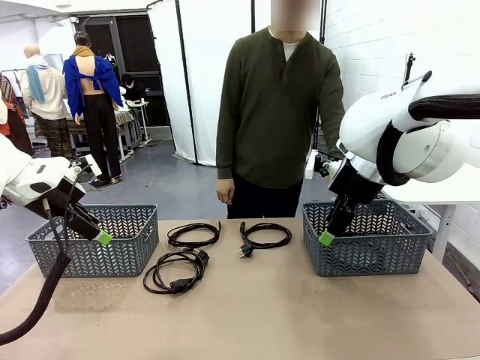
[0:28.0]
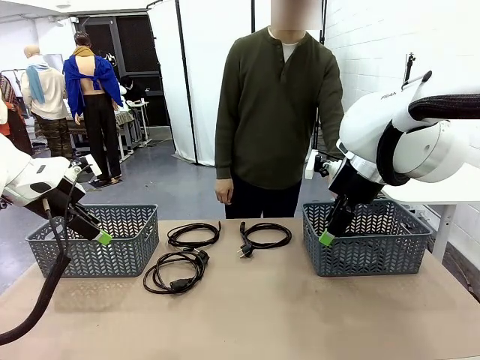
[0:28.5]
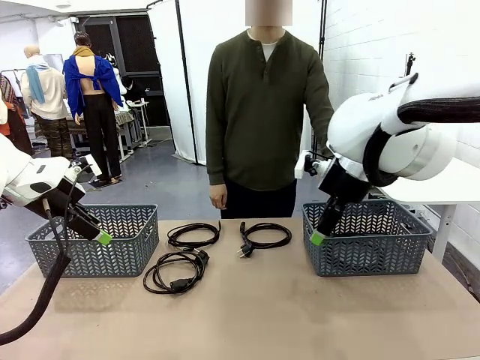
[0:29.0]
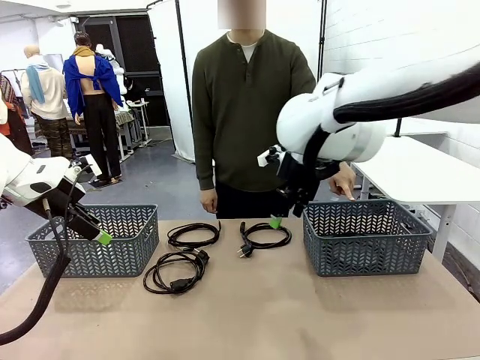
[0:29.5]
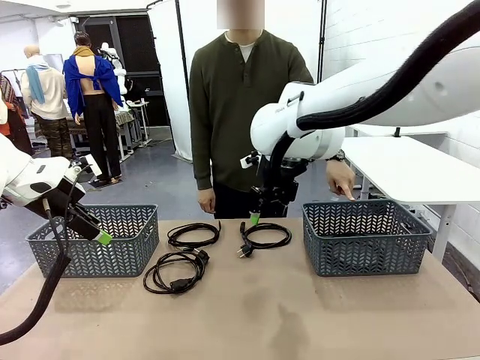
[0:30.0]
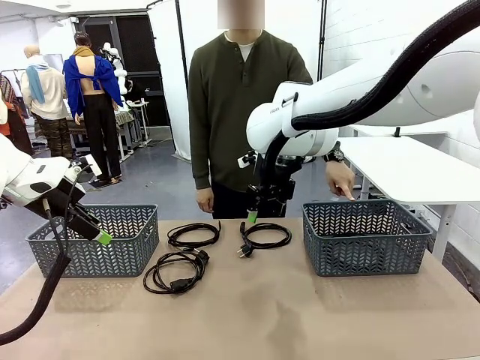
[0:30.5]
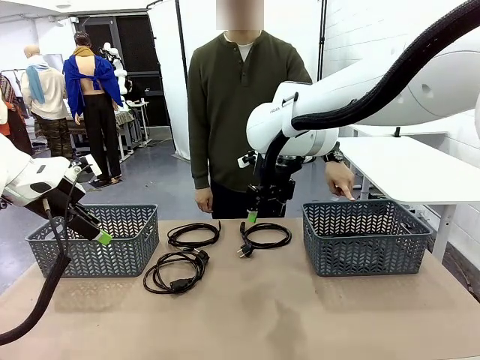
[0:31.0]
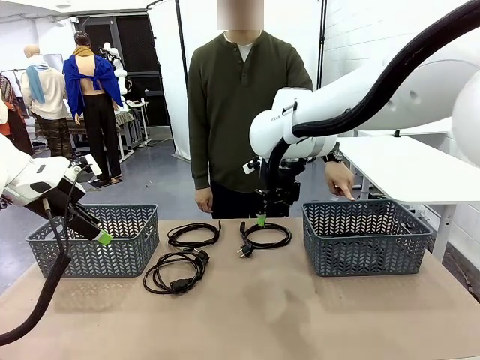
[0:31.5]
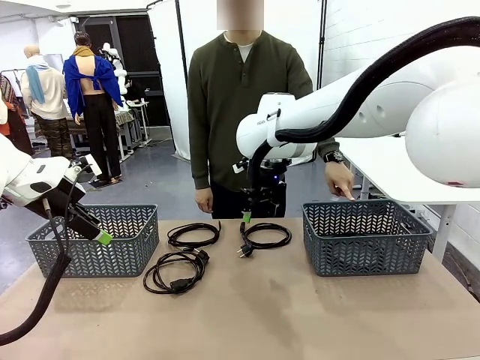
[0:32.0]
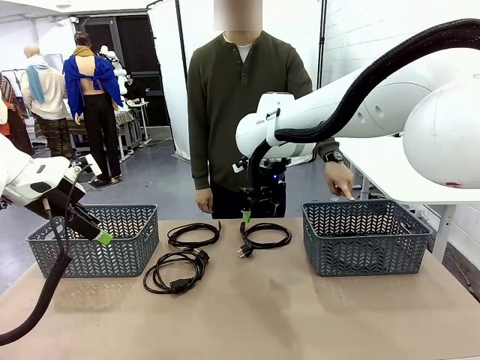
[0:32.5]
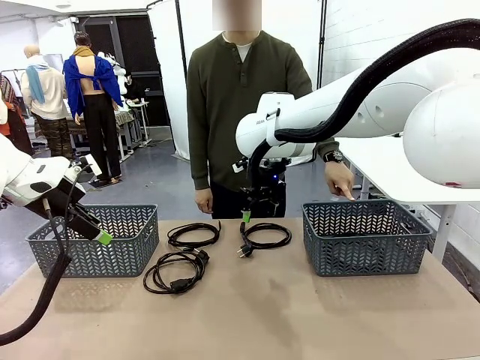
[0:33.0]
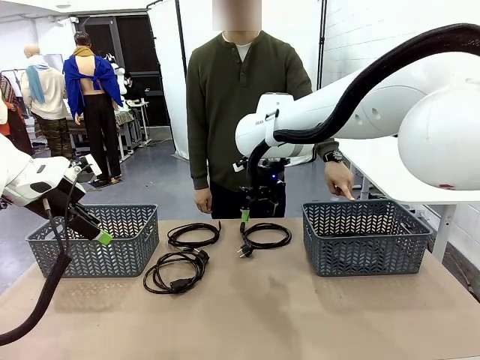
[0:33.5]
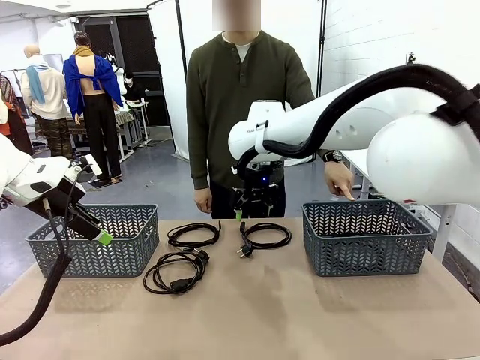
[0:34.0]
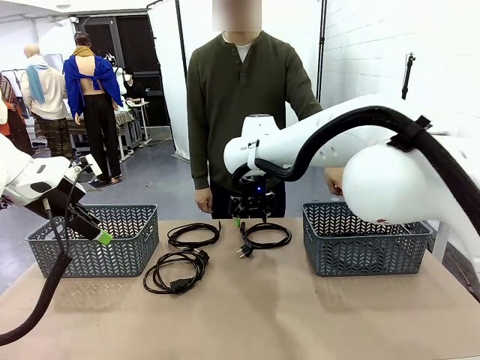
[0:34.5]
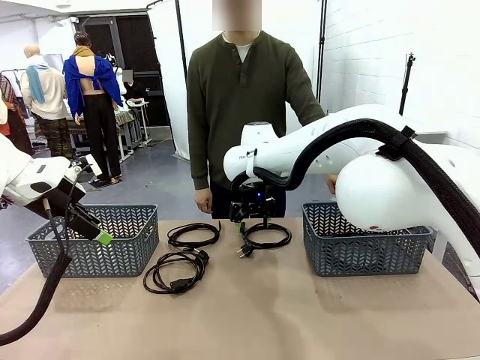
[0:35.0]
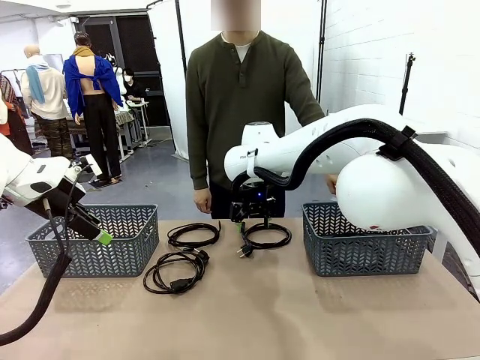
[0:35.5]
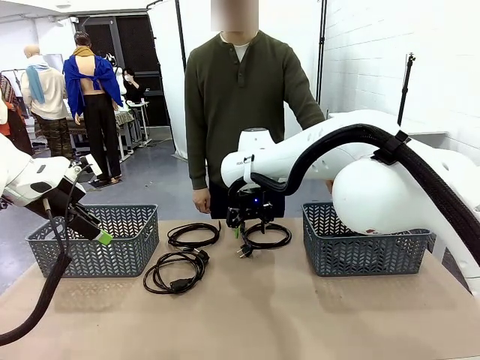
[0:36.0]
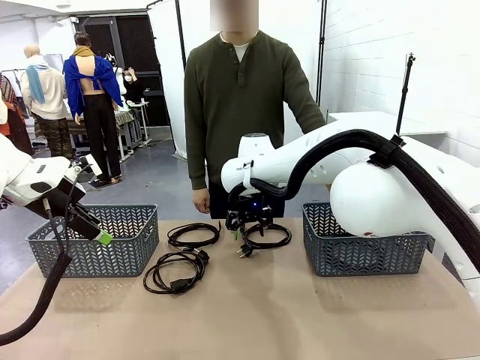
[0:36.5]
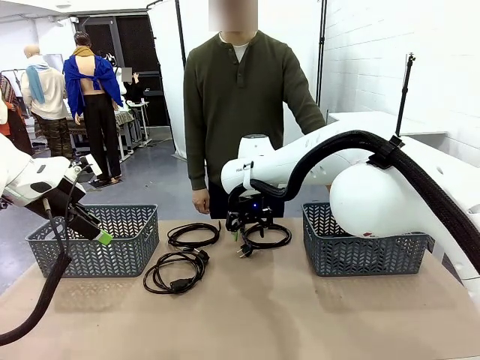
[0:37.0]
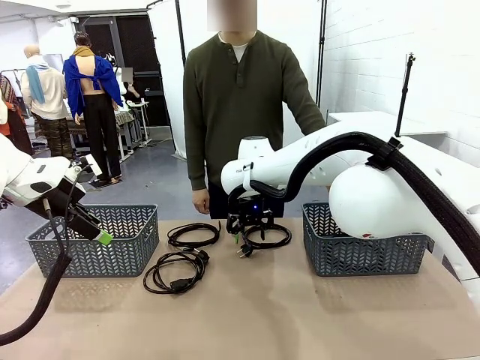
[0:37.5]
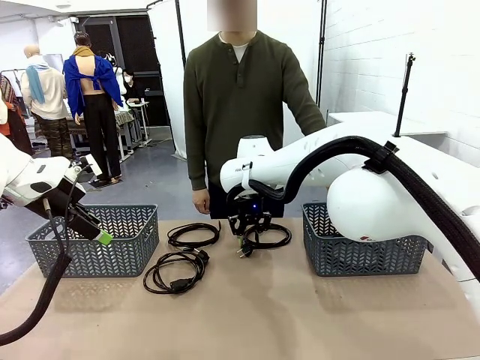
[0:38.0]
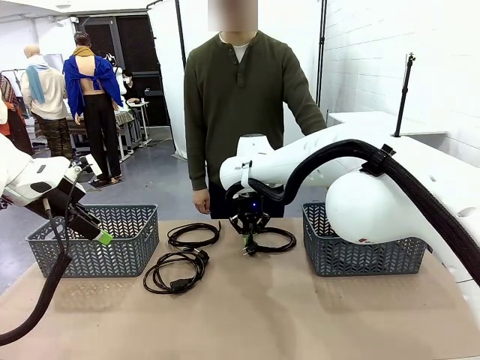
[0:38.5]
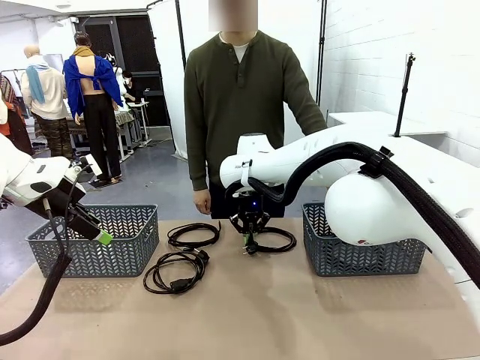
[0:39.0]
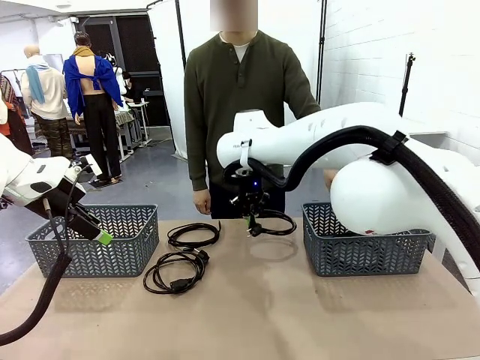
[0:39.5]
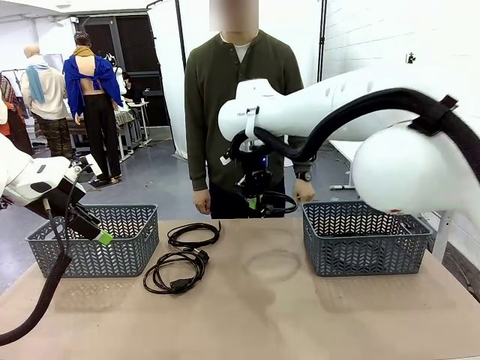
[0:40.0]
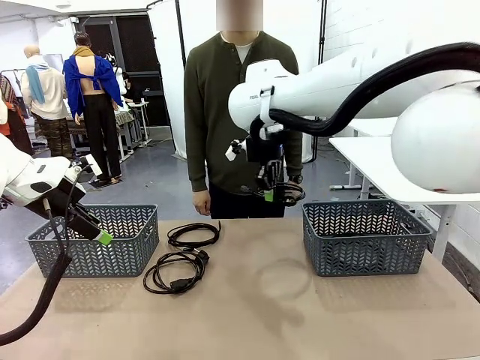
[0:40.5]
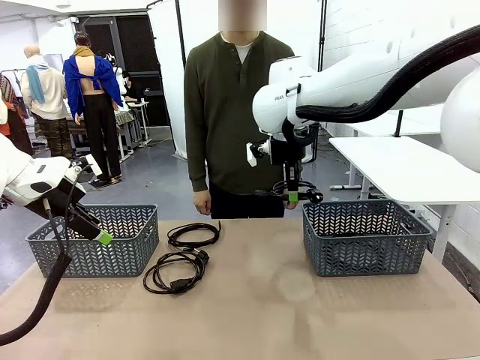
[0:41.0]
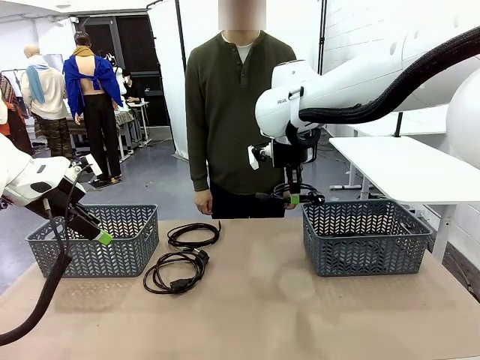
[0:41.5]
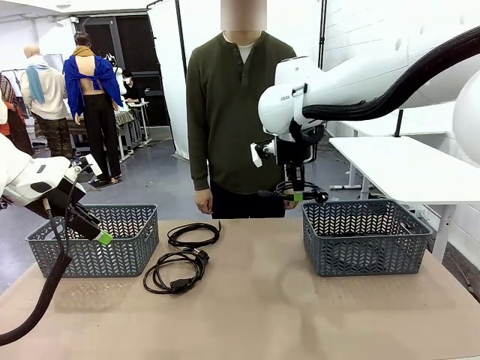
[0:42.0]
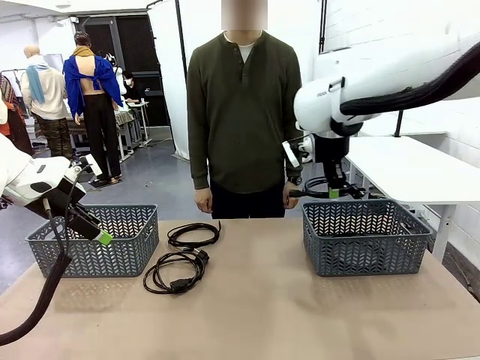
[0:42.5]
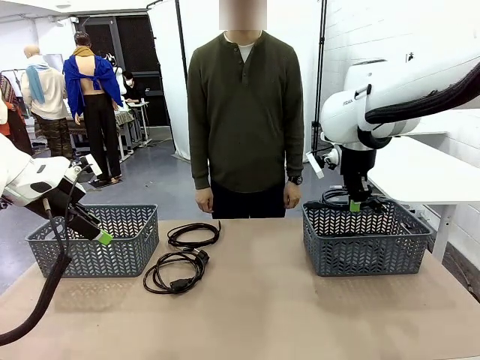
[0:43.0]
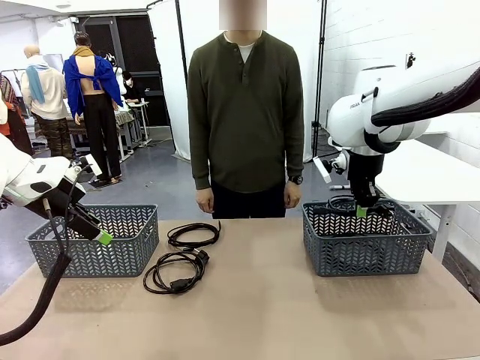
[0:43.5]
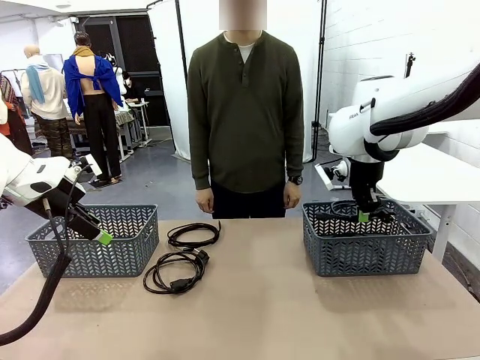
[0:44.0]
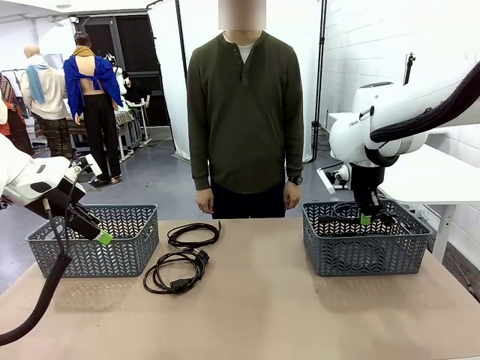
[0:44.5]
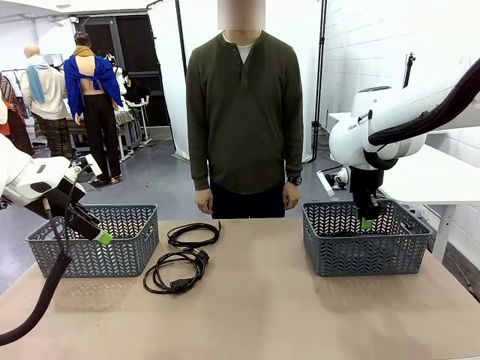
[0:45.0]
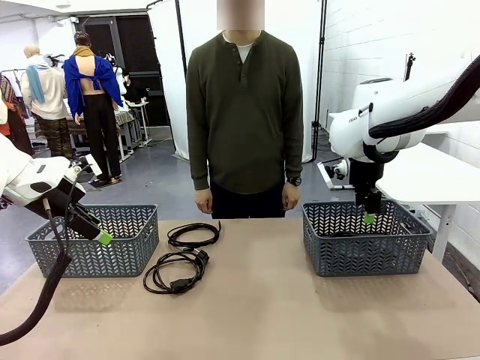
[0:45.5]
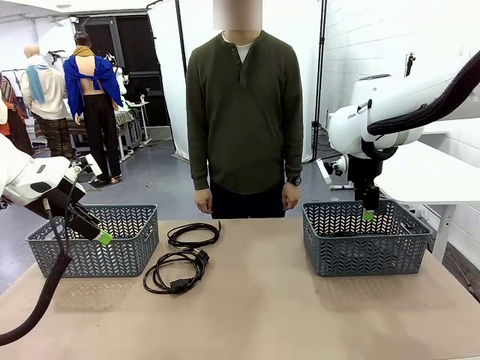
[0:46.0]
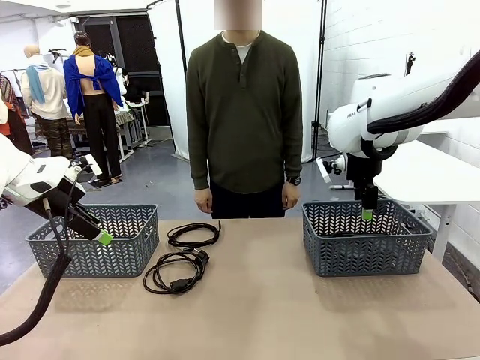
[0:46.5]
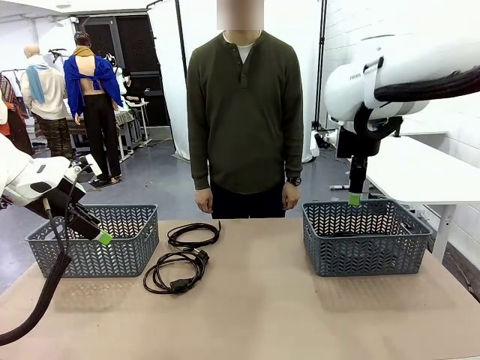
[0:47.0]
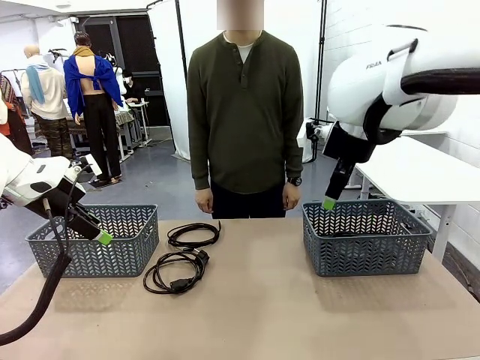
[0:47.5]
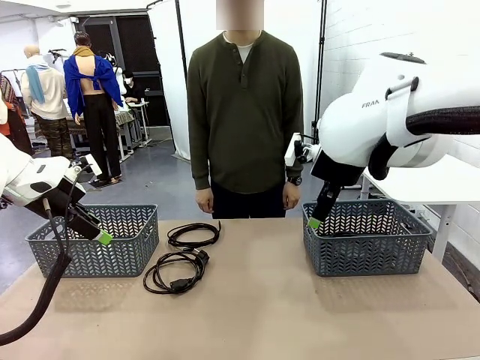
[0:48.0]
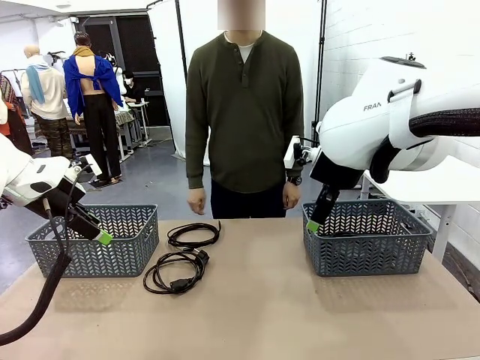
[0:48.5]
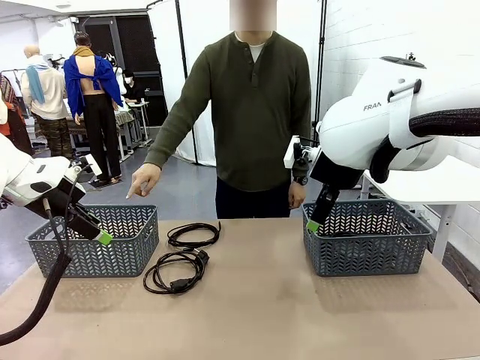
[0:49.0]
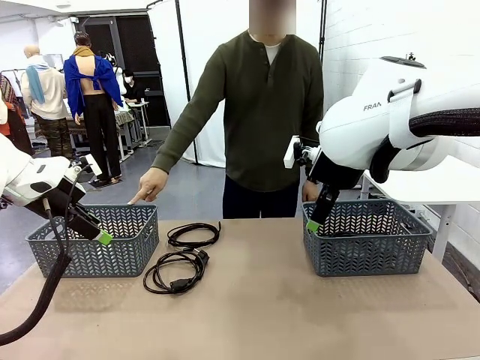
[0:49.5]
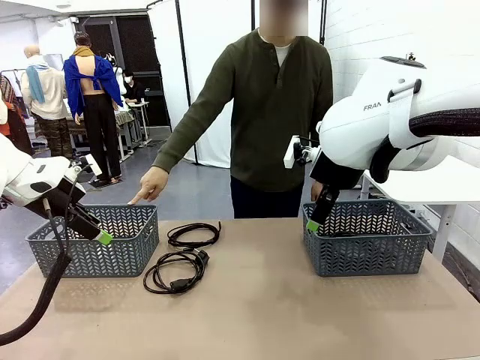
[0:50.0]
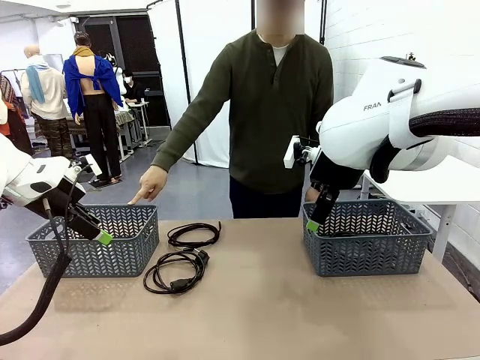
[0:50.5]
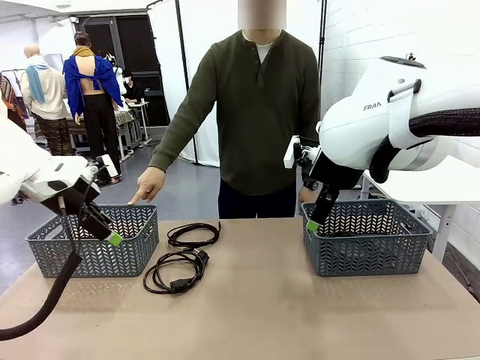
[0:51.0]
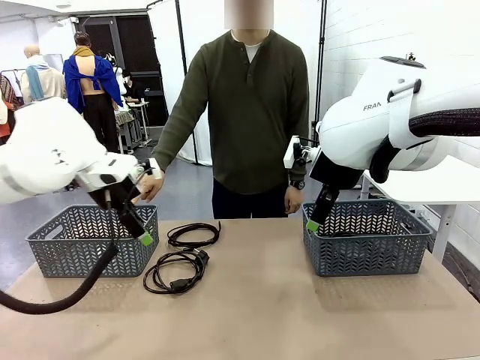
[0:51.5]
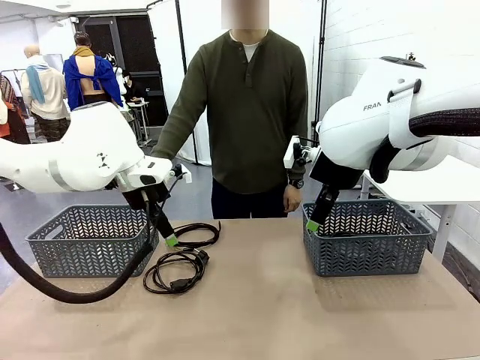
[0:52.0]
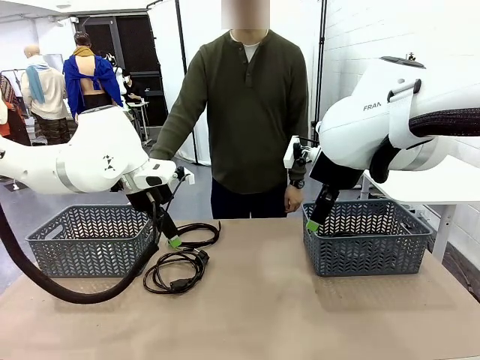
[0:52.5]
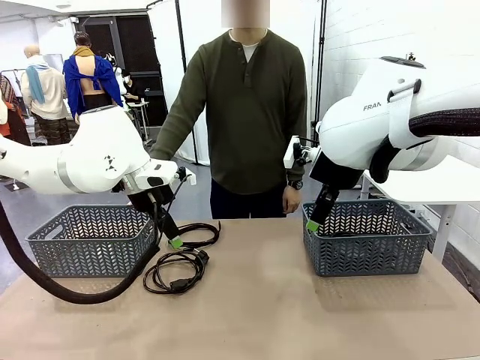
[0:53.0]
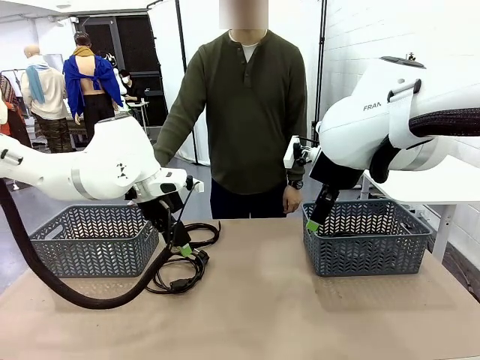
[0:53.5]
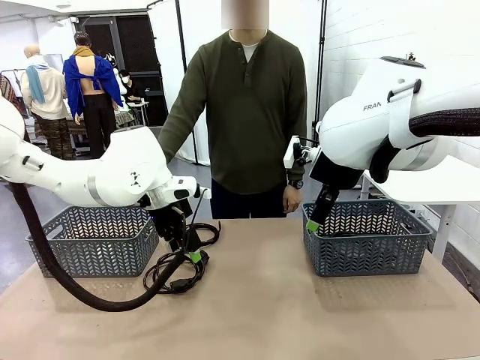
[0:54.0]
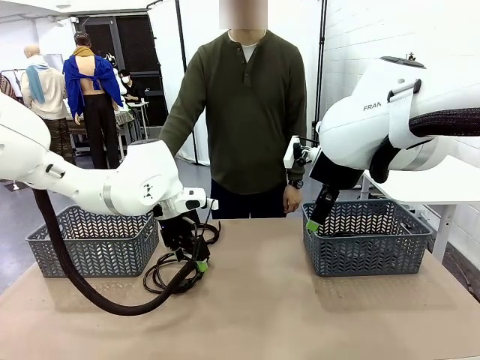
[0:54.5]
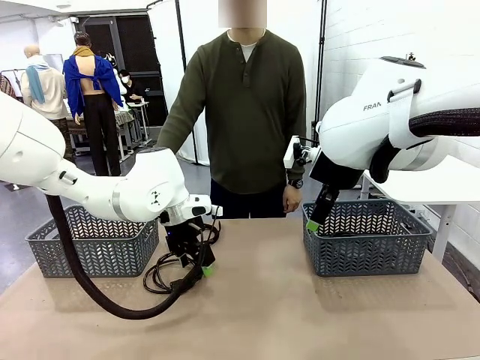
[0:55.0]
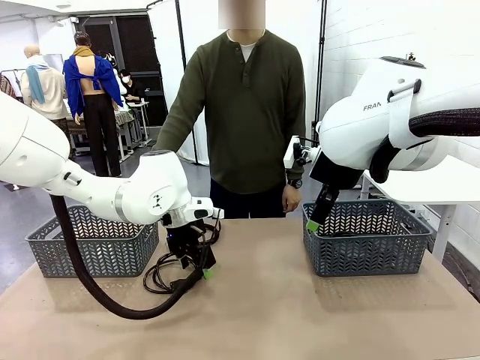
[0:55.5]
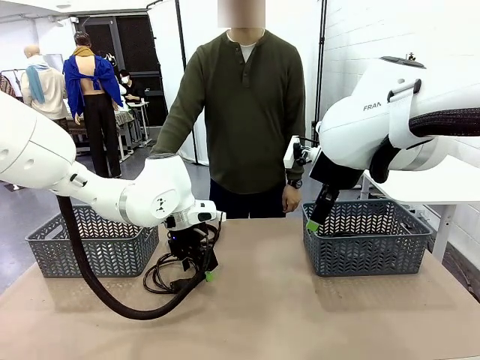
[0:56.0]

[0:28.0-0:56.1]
Task: Organize the cables according to human instructions.
Robot: Pick up a bundle of cables and place it in the basket indicated by the human.
